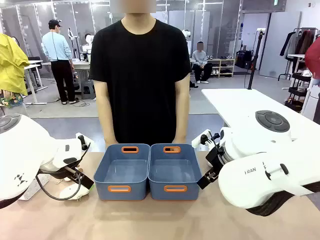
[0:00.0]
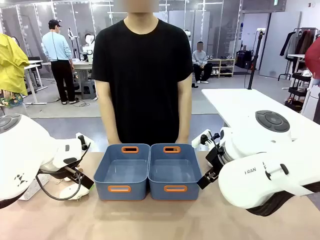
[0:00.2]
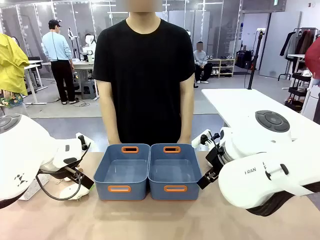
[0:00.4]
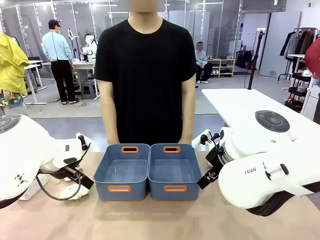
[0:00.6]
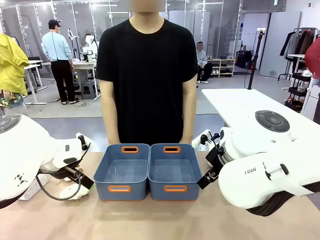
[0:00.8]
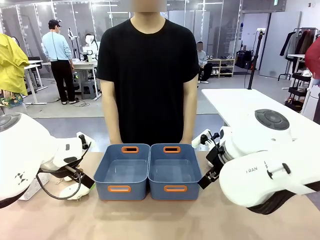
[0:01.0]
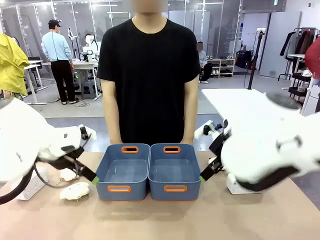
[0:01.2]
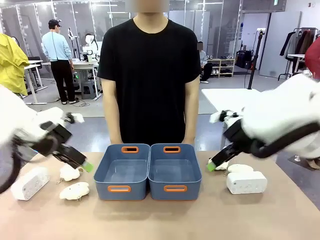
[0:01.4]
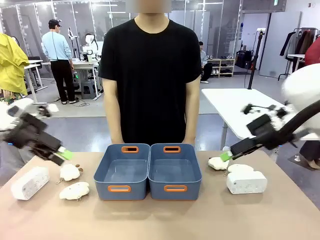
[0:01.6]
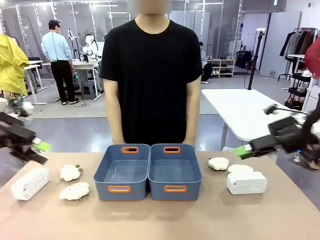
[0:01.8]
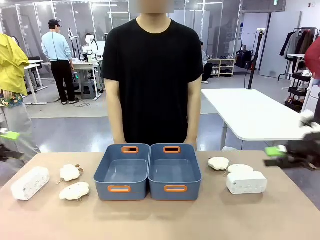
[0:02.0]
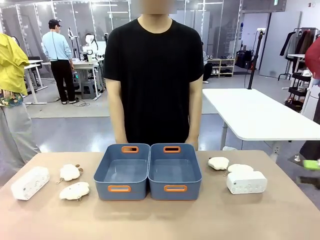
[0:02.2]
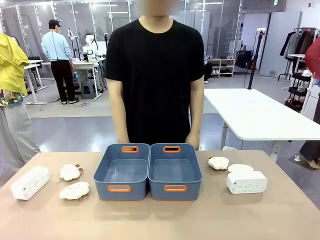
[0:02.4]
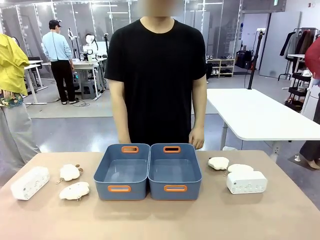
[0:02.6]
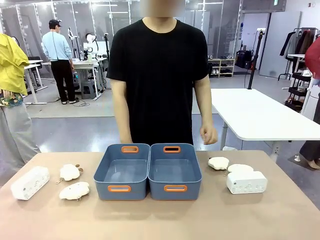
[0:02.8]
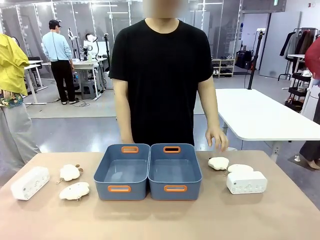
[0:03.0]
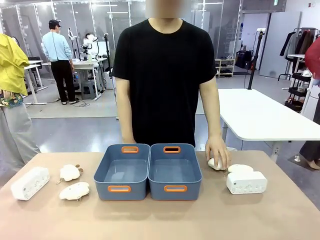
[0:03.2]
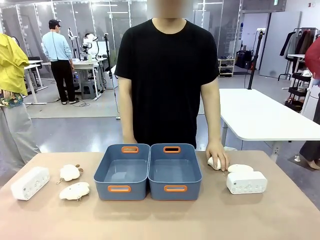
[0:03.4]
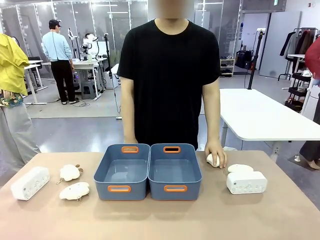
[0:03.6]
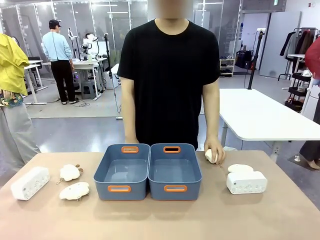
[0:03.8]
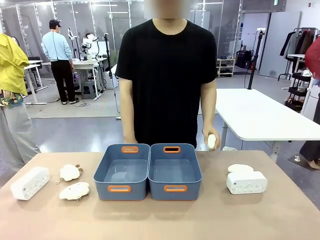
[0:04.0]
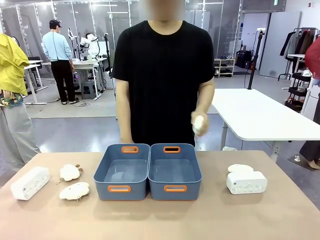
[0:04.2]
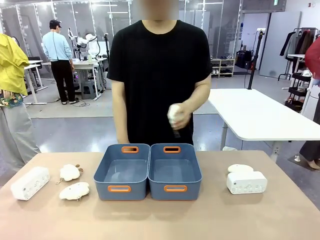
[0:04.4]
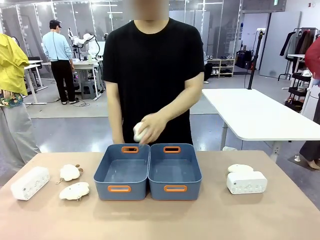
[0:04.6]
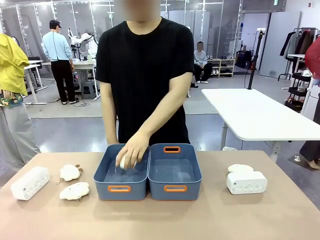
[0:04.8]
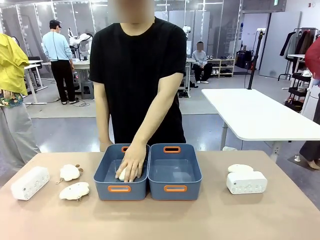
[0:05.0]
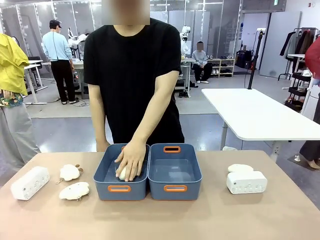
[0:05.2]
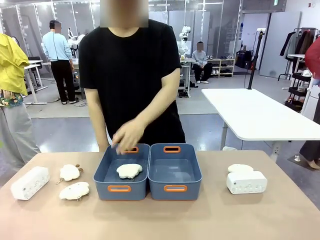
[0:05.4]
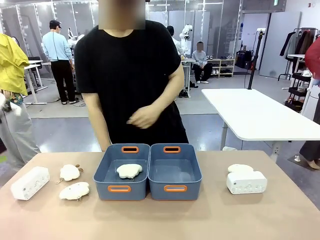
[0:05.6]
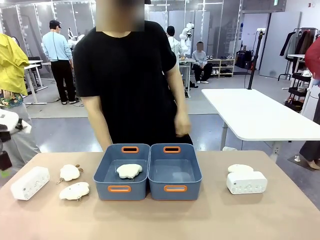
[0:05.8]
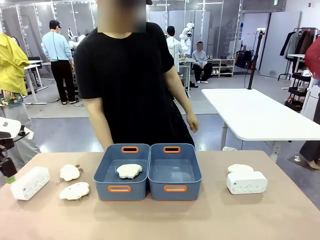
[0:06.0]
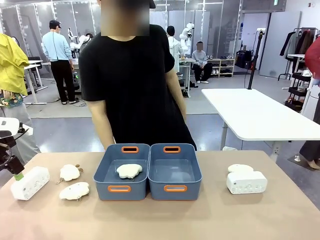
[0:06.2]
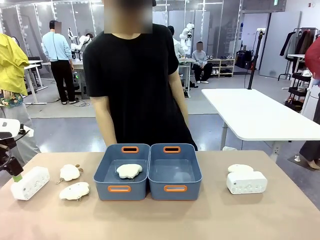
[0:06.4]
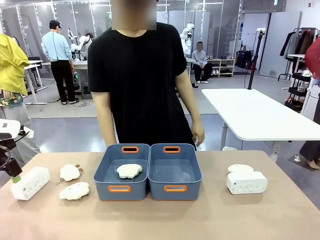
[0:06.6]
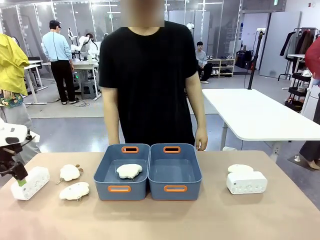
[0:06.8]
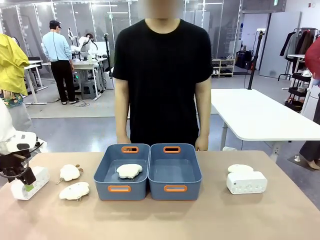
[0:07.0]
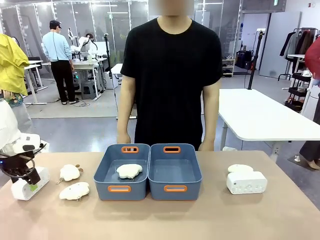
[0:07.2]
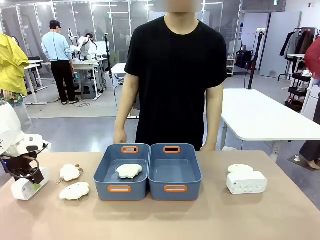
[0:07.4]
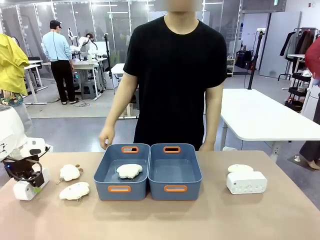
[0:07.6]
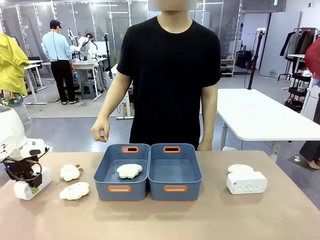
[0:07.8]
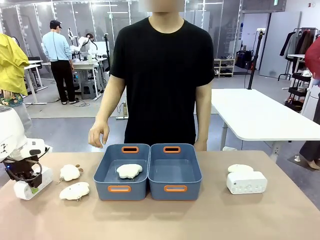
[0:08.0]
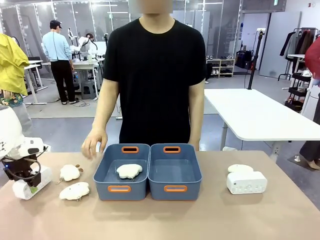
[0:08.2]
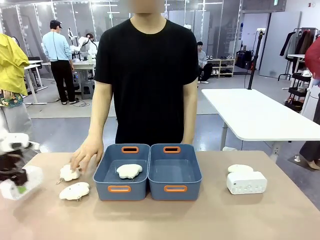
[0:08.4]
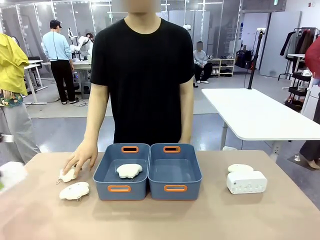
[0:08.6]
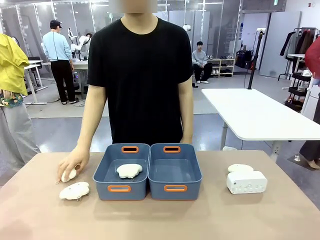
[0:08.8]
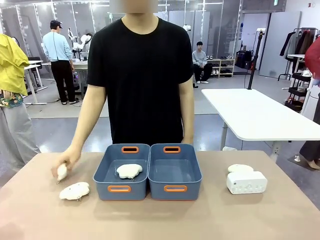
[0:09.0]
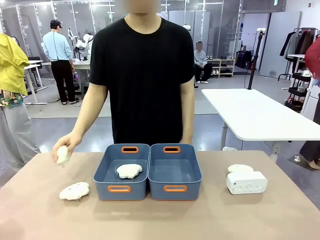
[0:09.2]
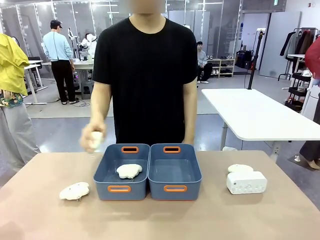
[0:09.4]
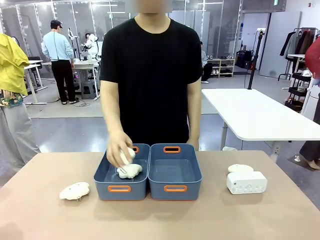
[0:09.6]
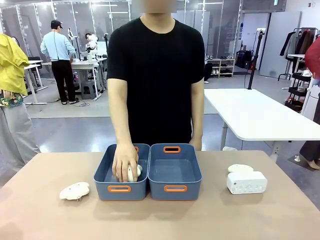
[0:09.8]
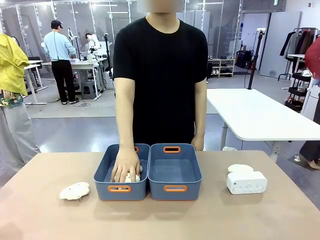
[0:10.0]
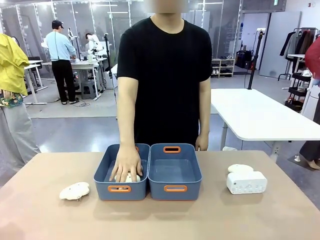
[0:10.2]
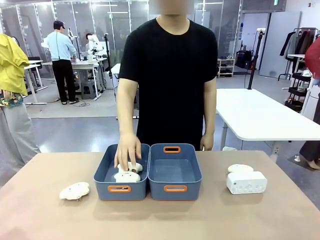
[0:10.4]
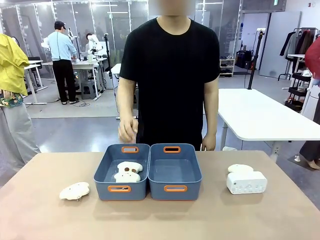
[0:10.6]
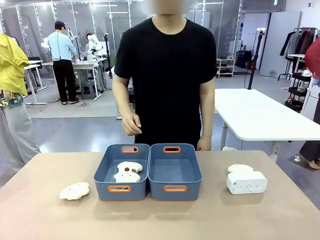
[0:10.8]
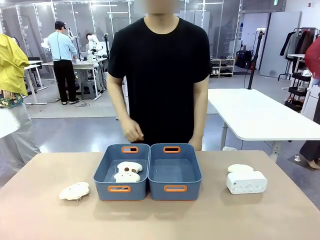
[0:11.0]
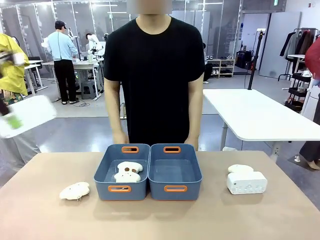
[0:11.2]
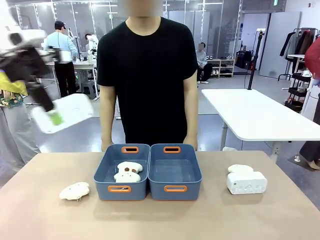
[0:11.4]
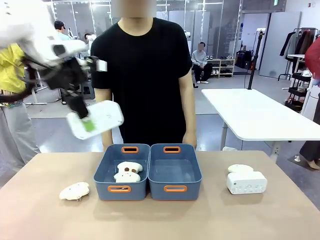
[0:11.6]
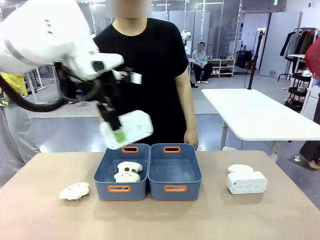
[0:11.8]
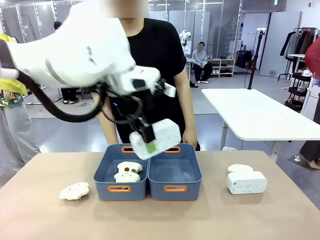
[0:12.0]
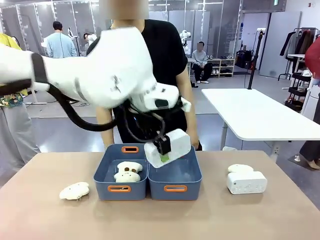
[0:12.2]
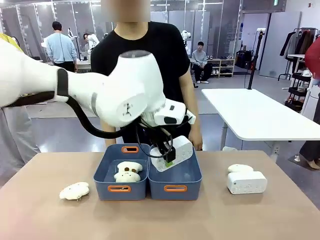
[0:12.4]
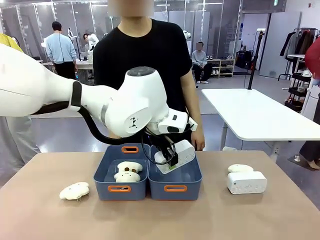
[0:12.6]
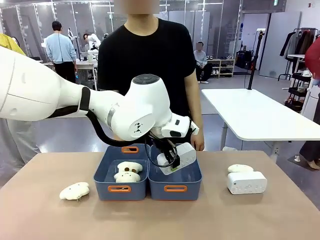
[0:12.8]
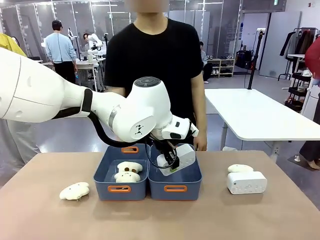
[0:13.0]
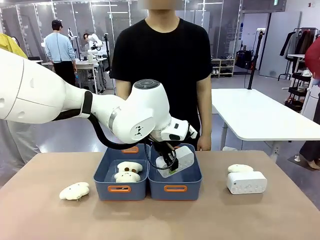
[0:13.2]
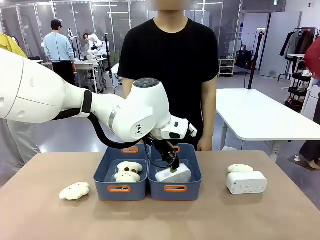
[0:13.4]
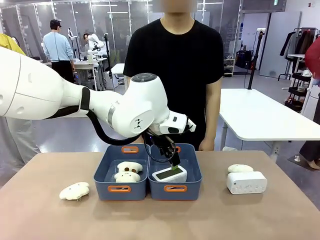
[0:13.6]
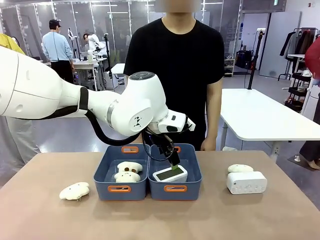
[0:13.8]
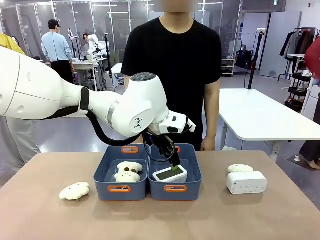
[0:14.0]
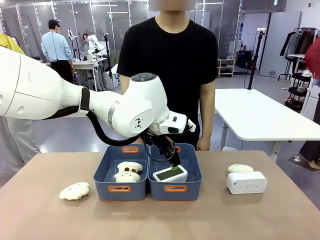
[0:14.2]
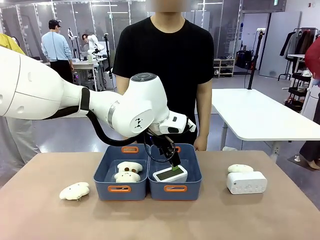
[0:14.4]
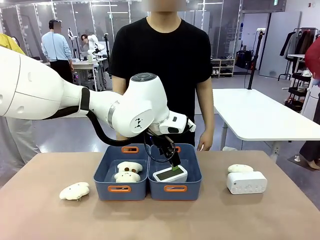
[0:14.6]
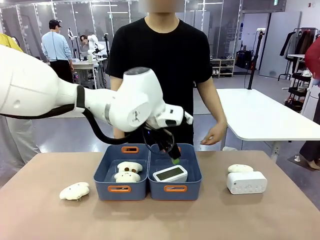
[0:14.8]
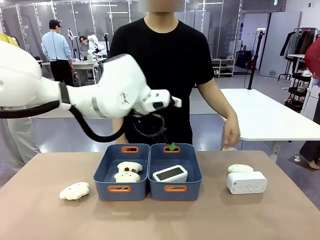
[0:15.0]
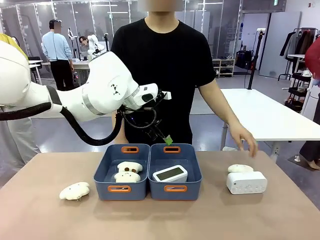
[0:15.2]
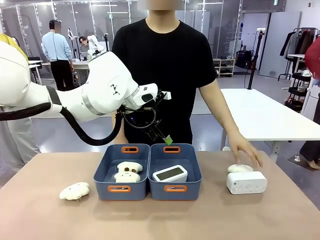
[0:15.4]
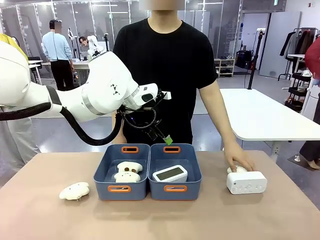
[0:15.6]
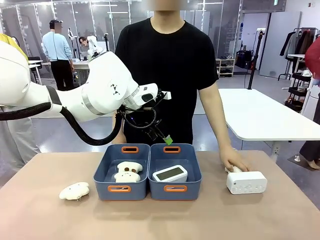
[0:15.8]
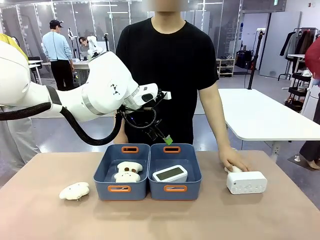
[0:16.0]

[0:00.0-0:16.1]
Task: Sort the digital clocks into the basket.
Robot: Pick up the Digital clock from the table and place it into the empty Plastic storage basket.
Person: Pick up a plush toy from the table and place it in a plastic storage basket.
